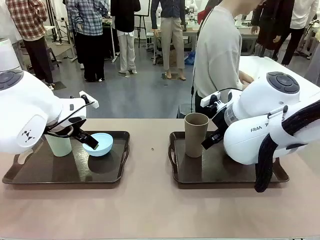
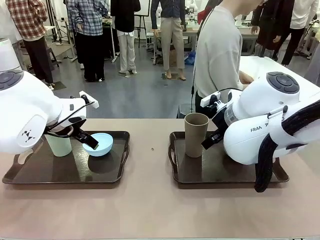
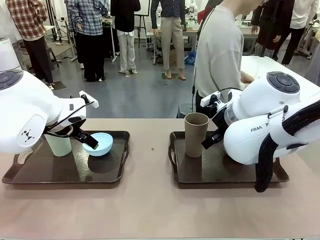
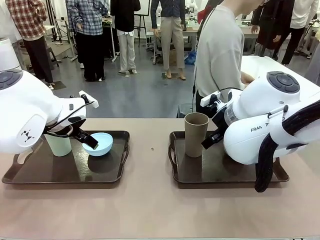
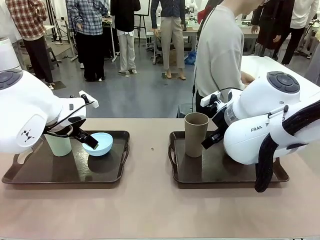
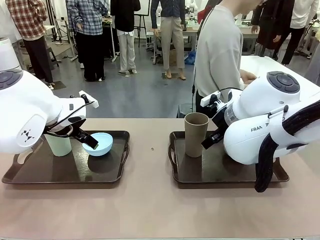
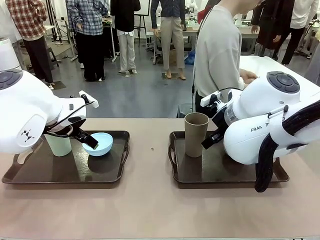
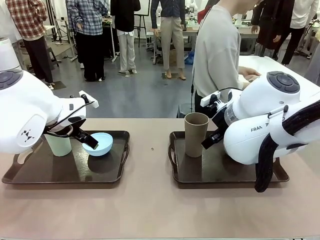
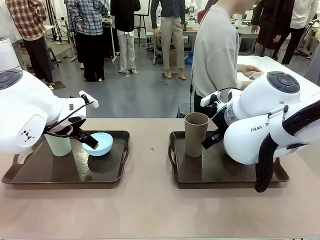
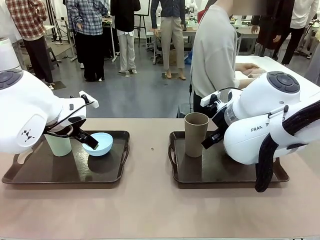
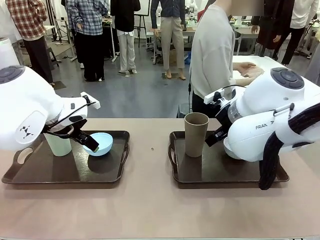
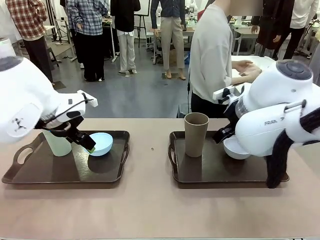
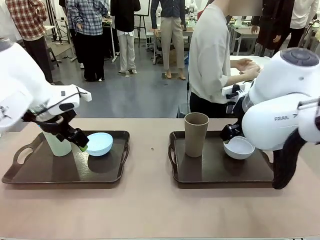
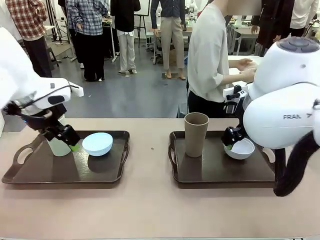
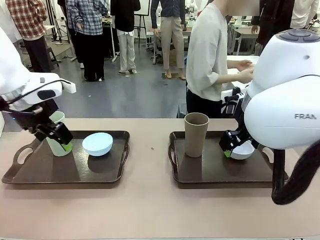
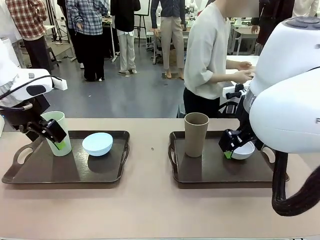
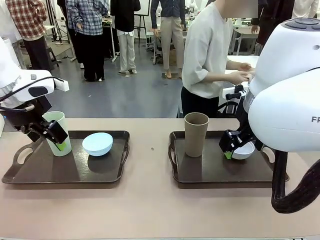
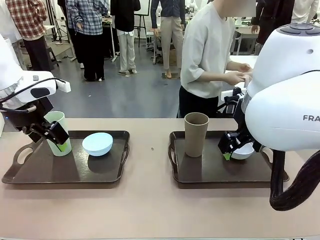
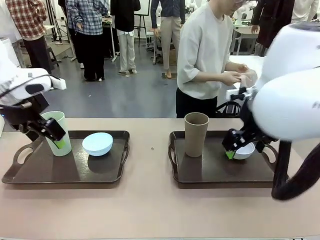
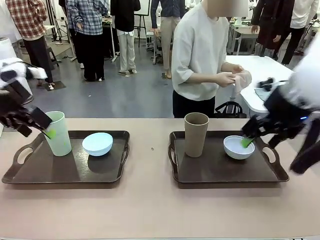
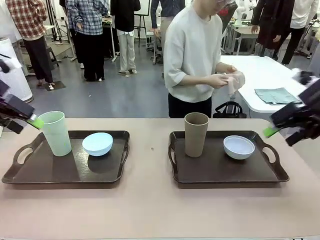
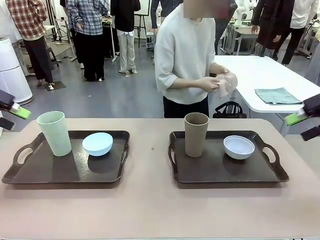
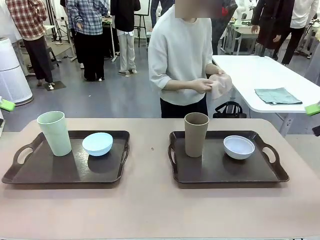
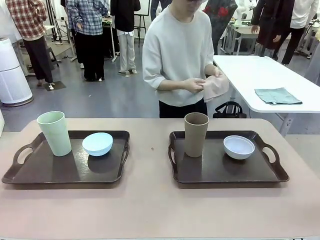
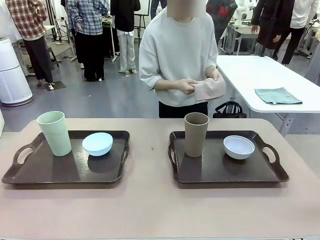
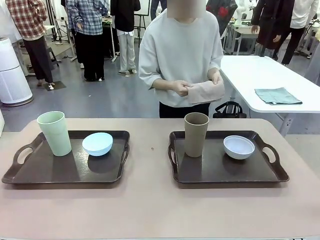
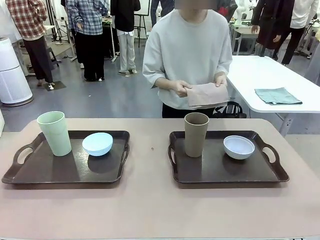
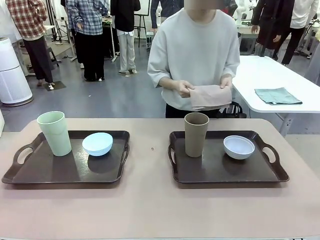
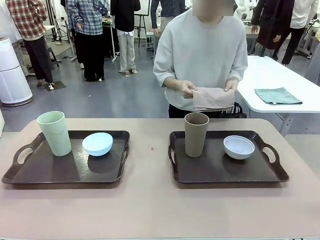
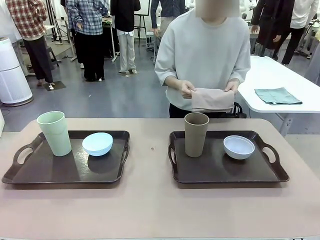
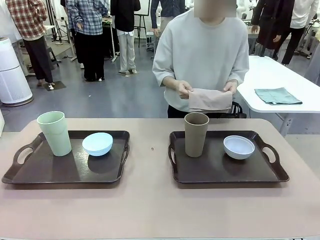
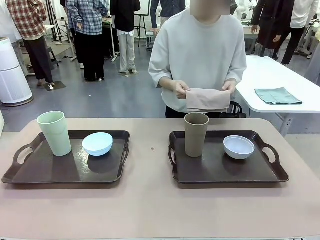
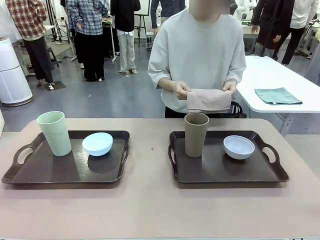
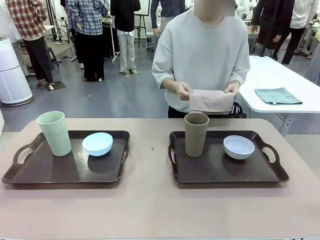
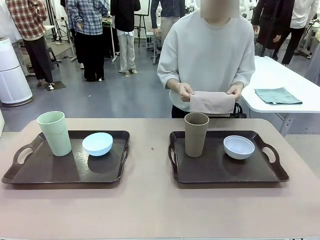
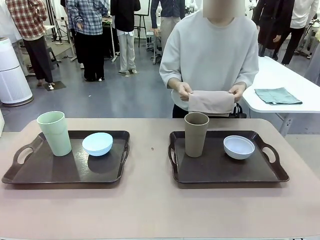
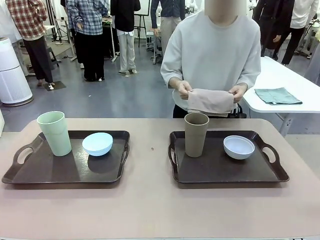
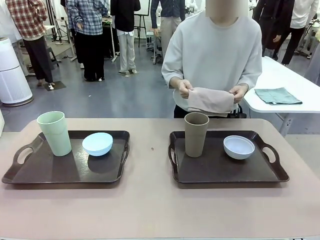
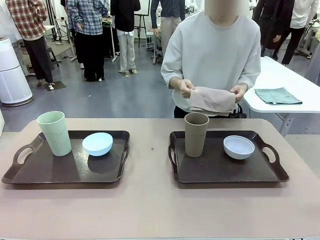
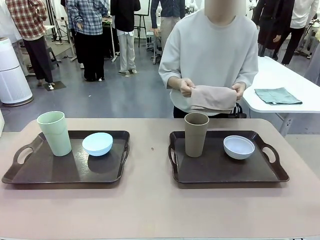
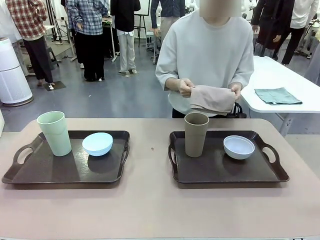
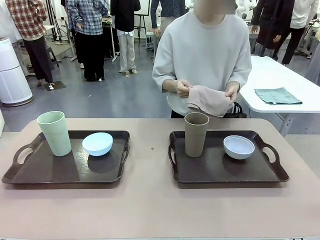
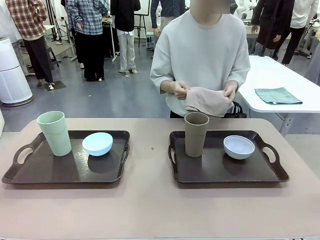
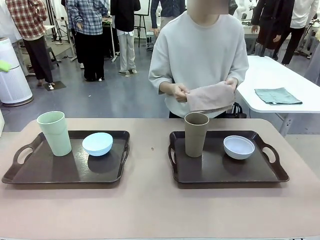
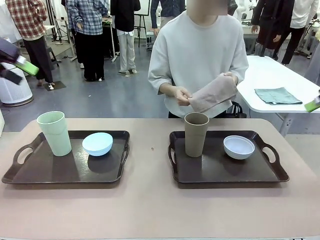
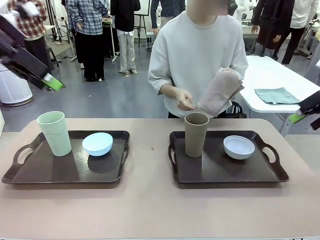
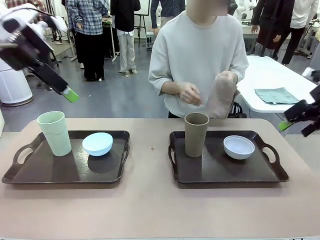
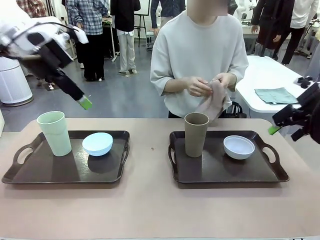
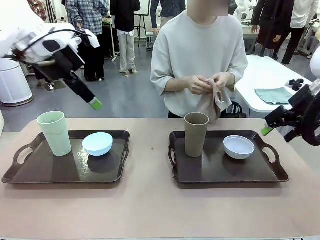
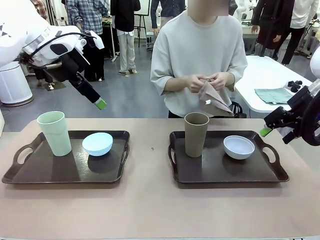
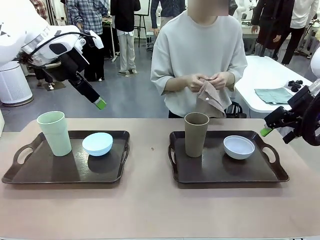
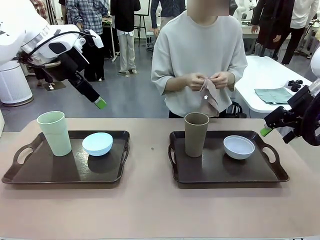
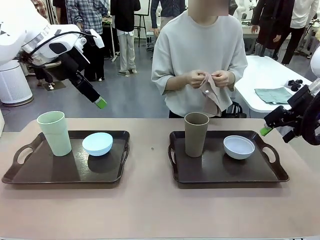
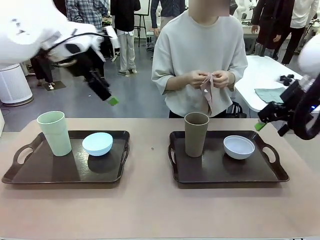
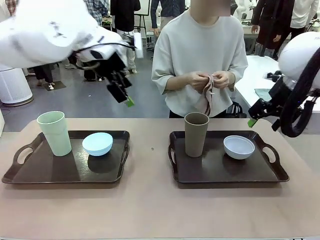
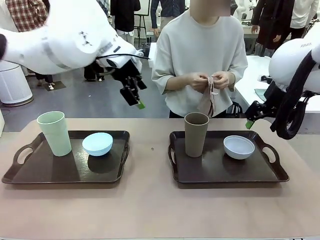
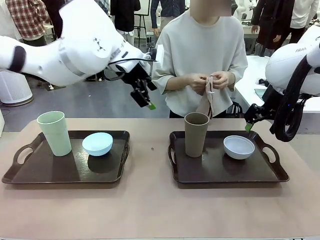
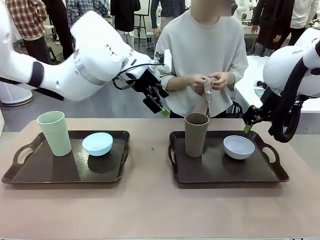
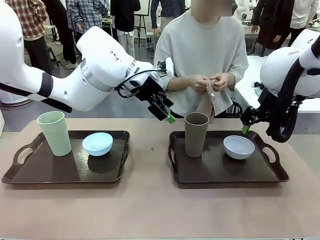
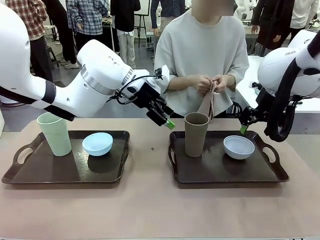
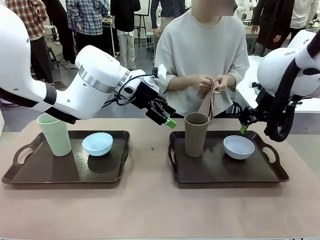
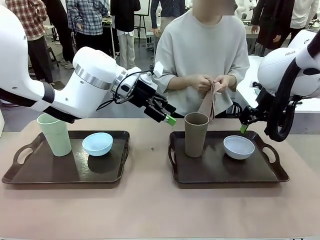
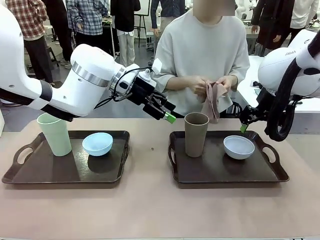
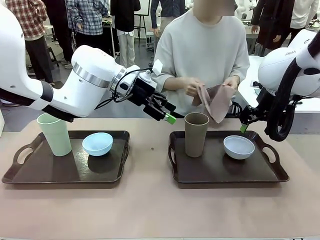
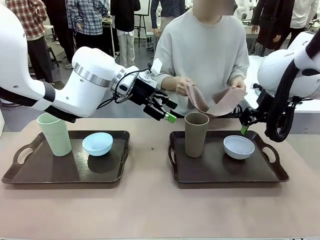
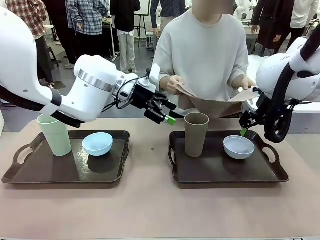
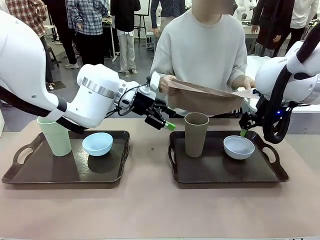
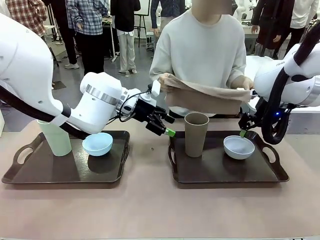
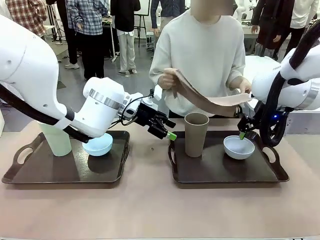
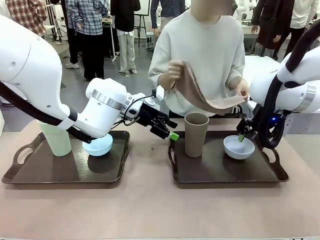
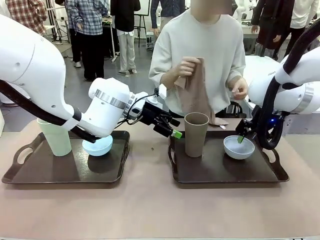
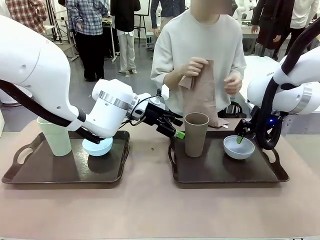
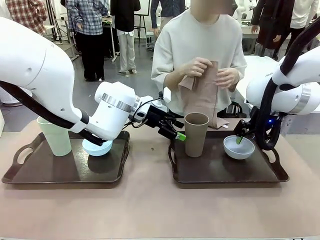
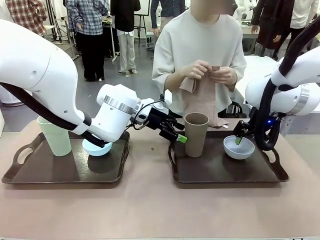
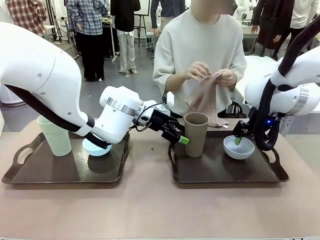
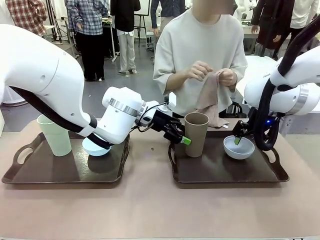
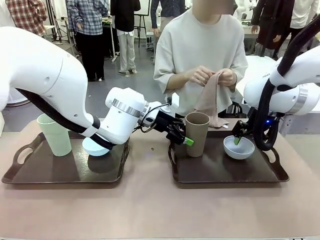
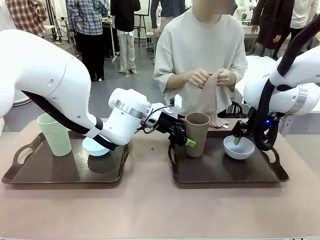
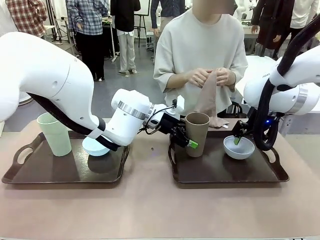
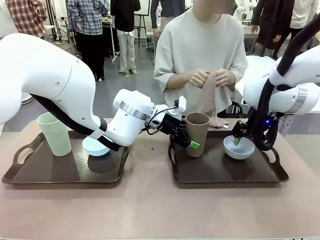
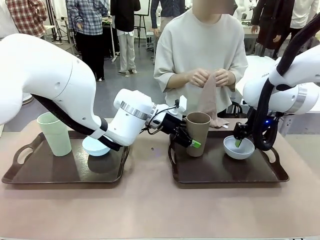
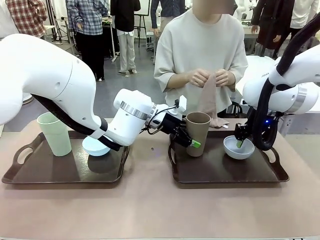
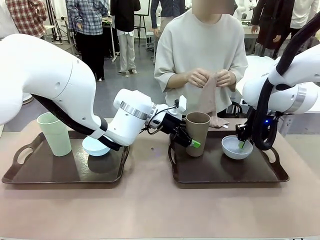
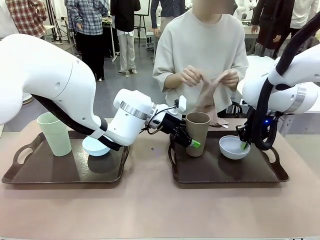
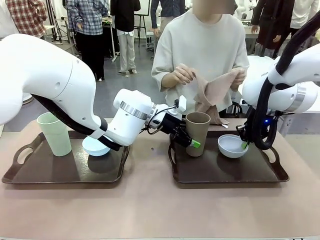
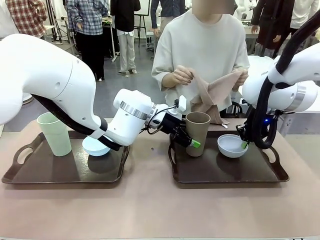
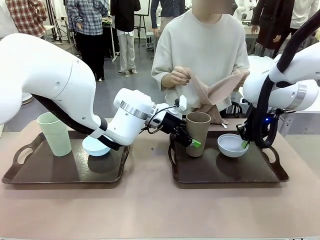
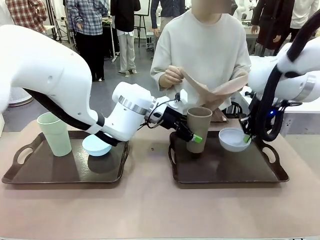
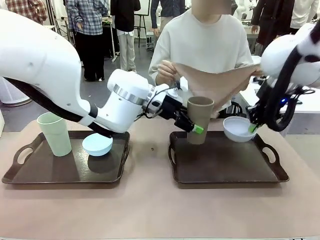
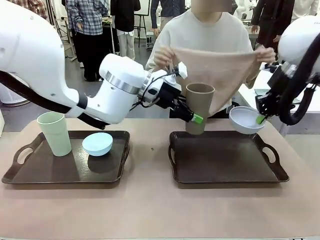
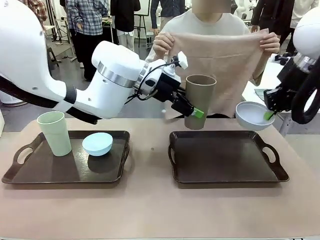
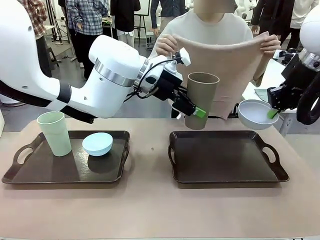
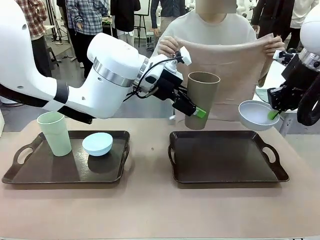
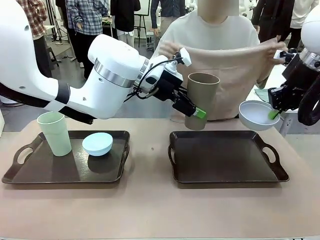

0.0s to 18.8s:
Robot: Pick up the Picnic Bowl and Reusable plastic cup from the Handle tray in front of the human's position and hold them in the air.
Person: The human picks up the top napkin from the stack on the human table and walks to the robot table to stand in front of one of the two trays. When the robot lifts the bowl and the cup, the human unfolds the napkin and lays the napkin flat on the tray.
